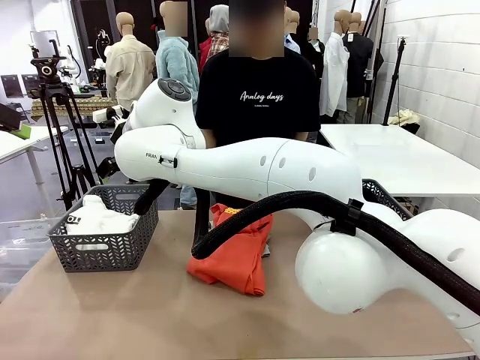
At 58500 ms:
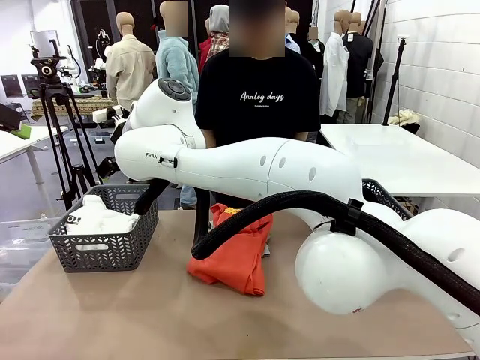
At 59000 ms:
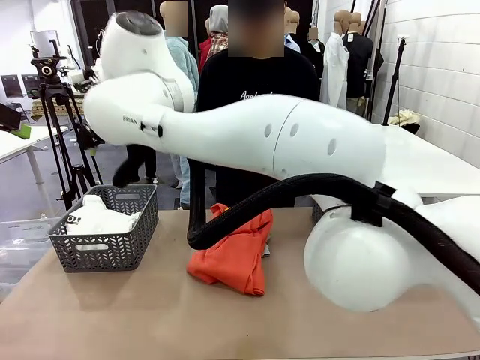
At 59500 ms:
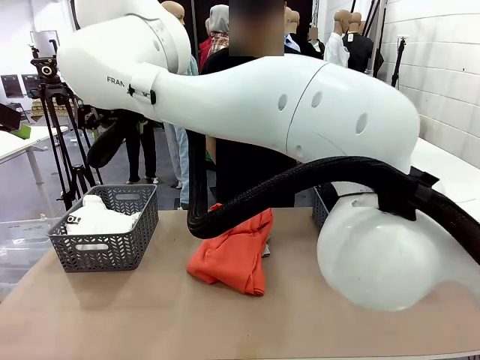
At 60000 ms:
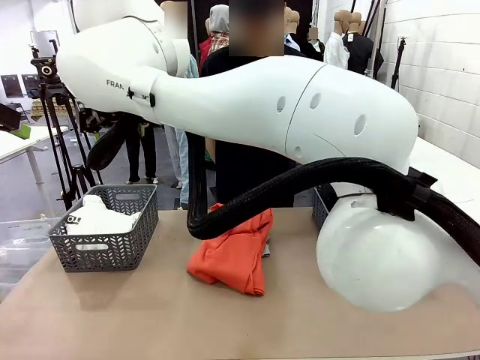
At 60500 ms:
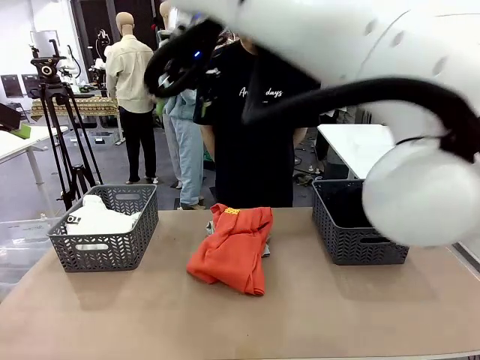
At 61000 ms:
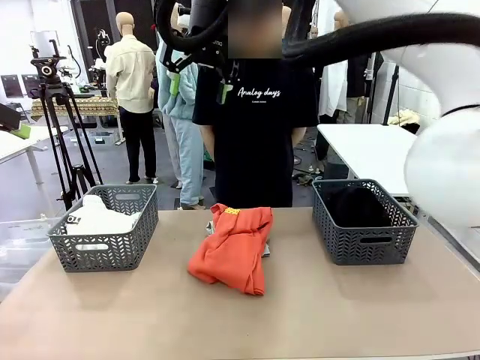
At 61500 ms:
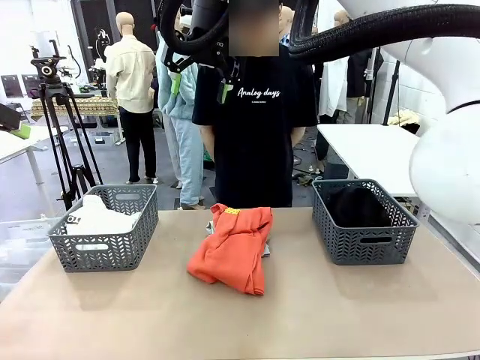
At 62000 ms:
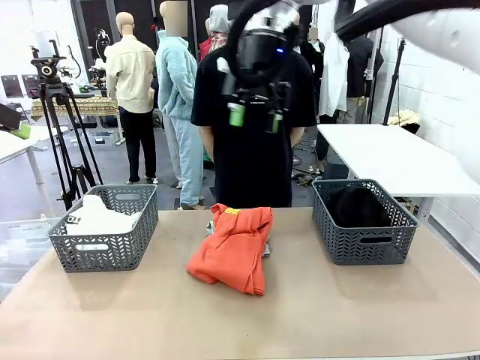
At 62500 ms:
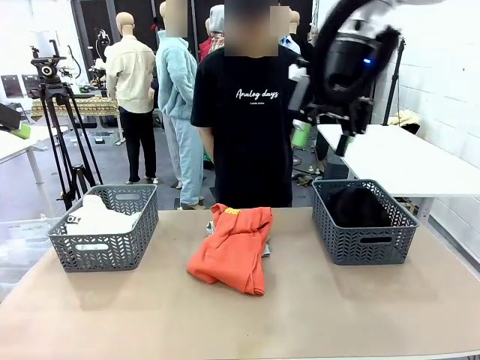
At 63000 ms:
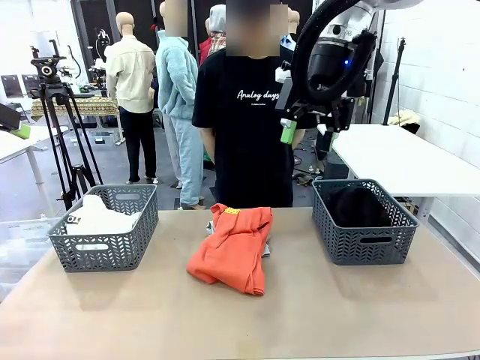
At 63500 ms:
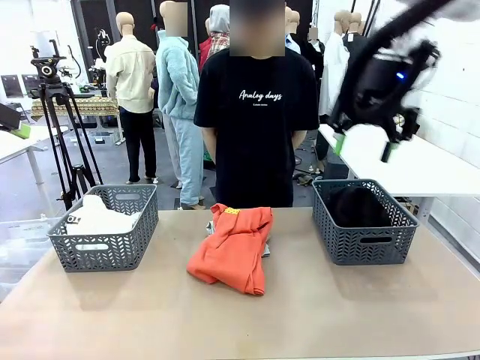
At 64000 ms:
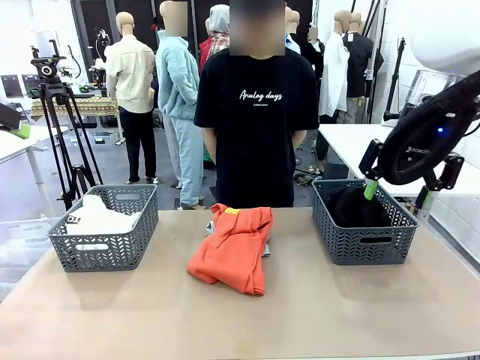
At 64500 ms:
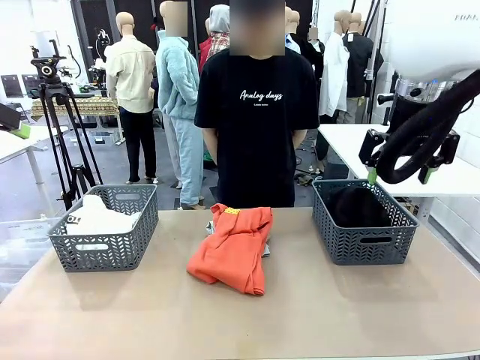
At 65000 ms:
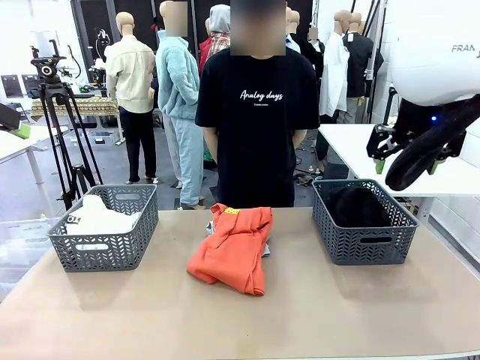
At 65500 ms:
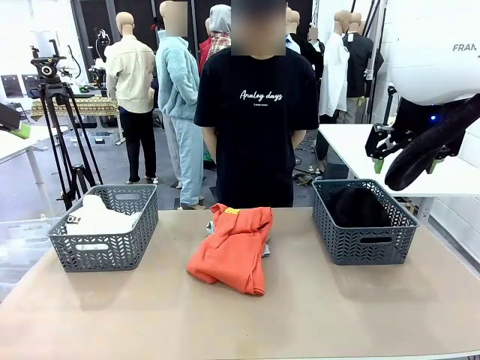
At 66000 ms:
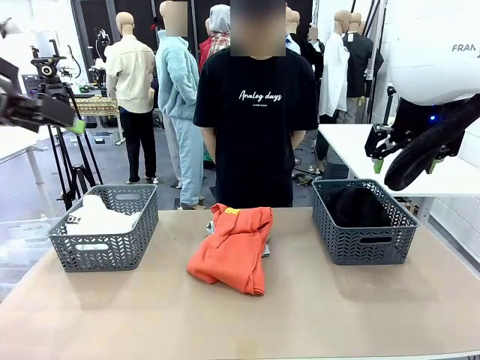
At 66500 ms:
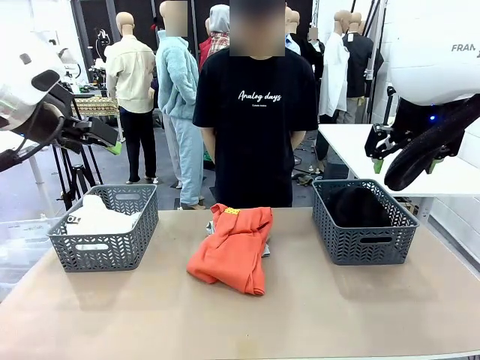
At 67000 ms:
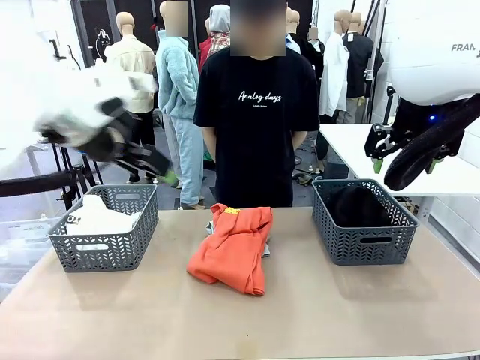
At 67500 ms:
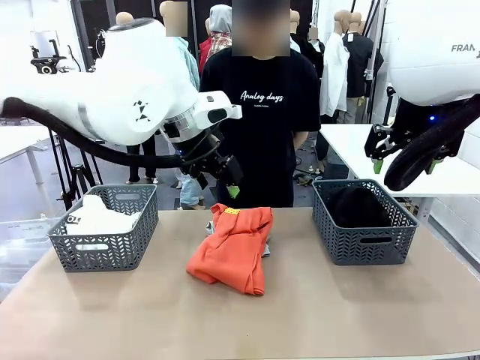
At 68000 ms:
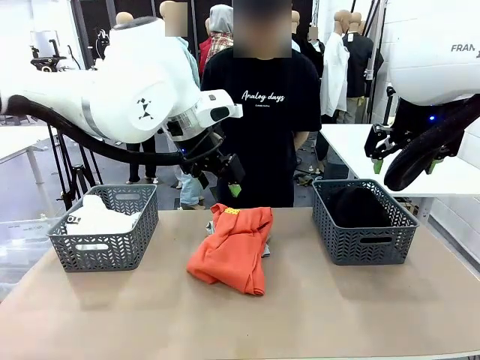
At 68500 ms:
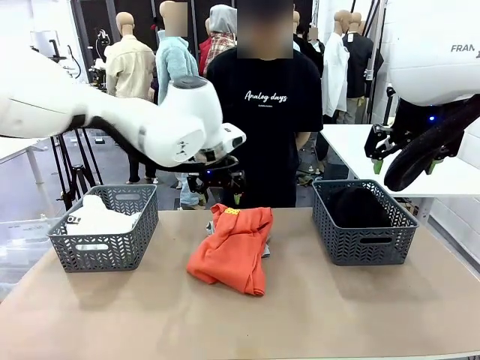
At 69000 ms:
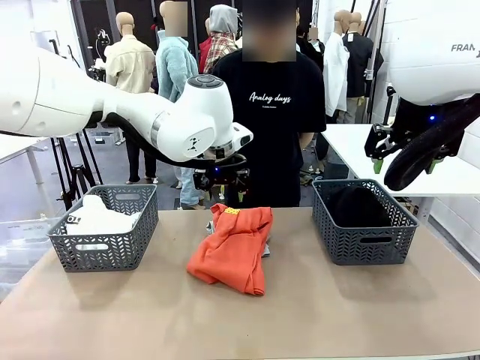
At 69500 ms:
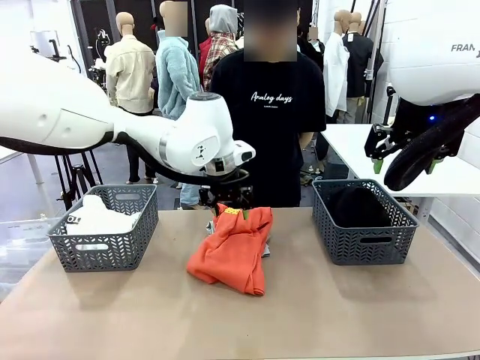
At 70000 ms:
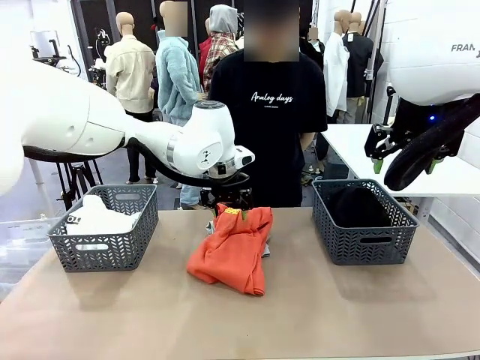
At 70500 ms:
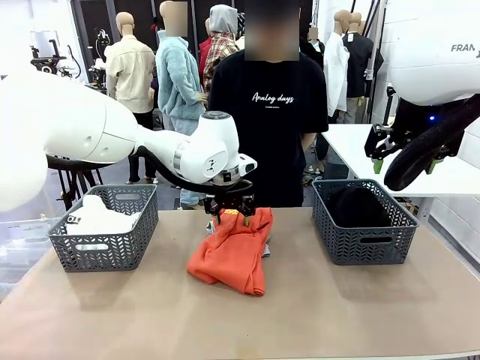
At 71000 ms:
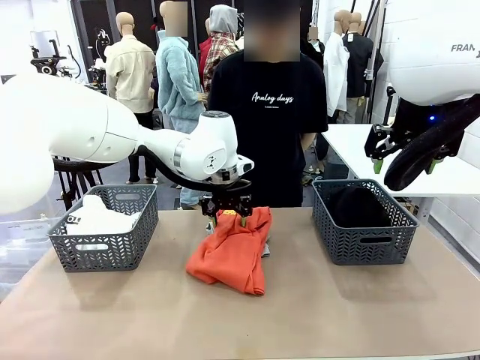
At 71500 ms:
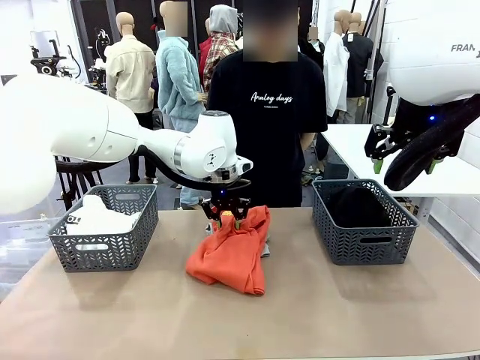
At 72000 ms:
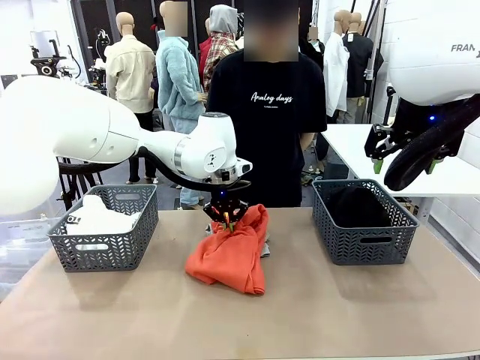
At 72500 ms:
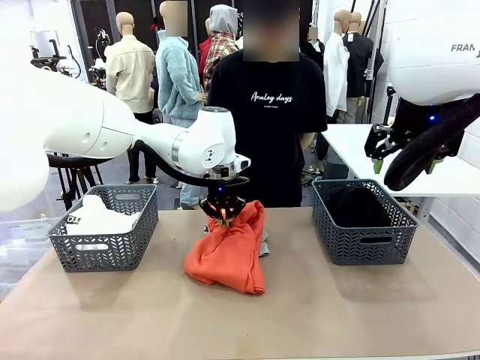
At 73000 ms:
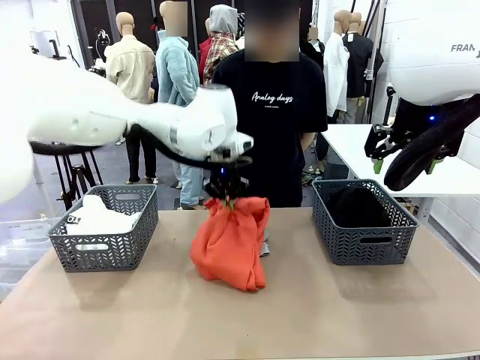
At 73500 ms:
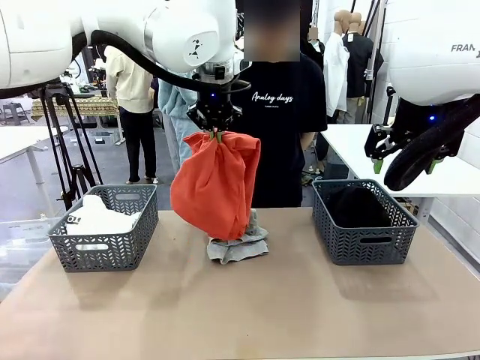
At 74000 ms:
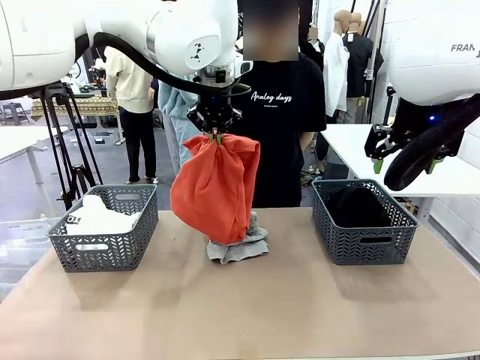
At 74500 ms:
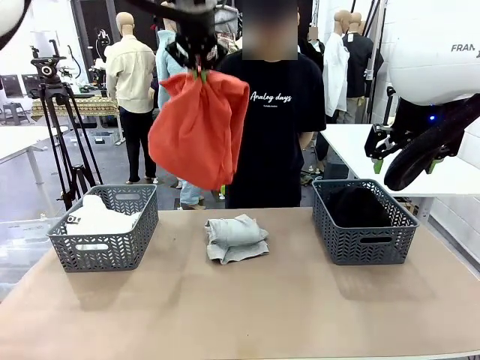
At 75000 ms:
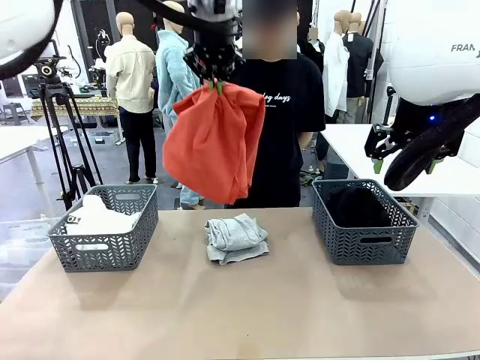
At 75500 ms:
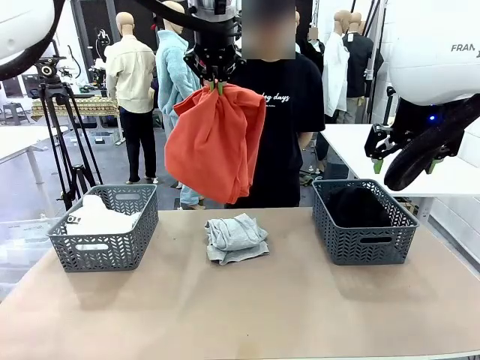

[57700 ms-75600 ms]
Task: Sort the tops and bottoms.
Robot: Lift clothes from the center of the table with your left hand.

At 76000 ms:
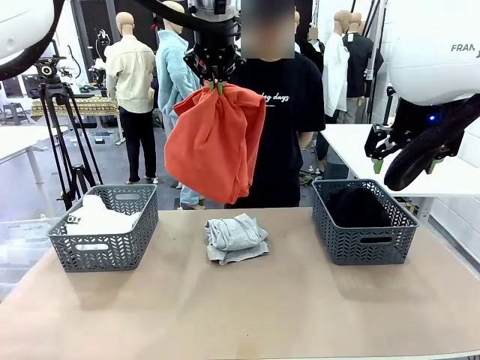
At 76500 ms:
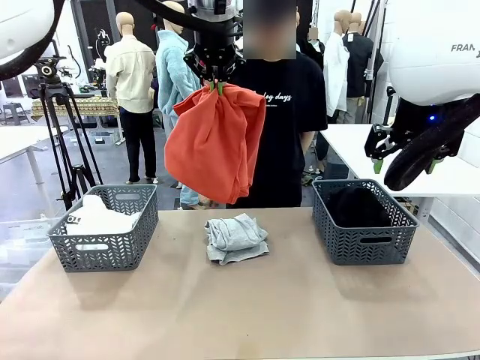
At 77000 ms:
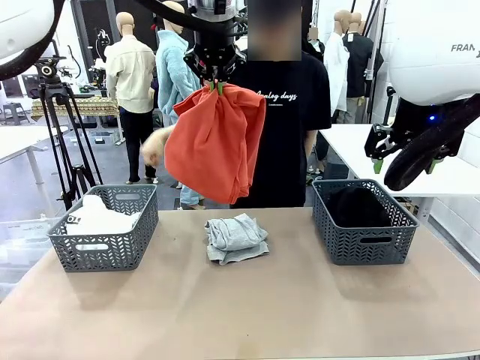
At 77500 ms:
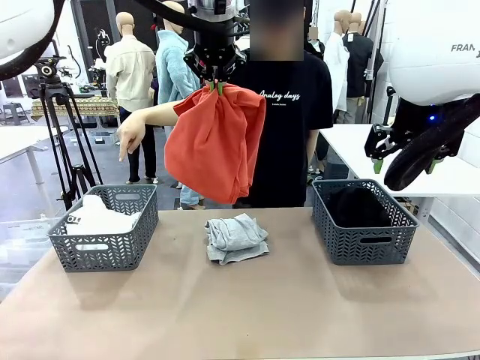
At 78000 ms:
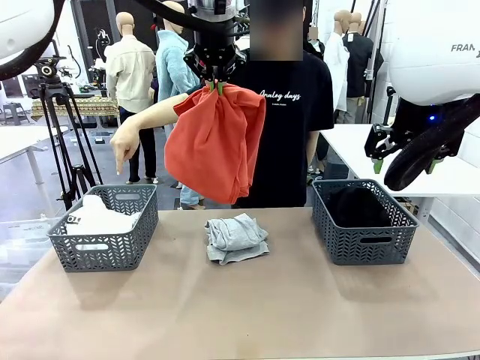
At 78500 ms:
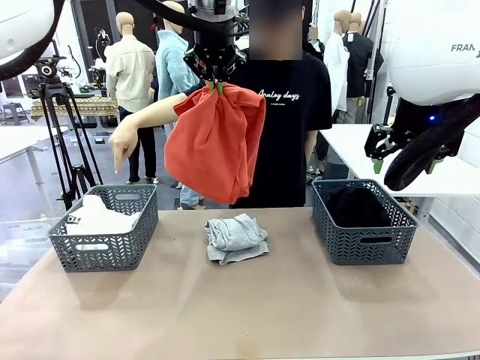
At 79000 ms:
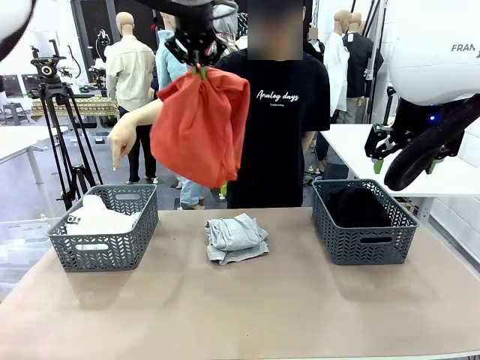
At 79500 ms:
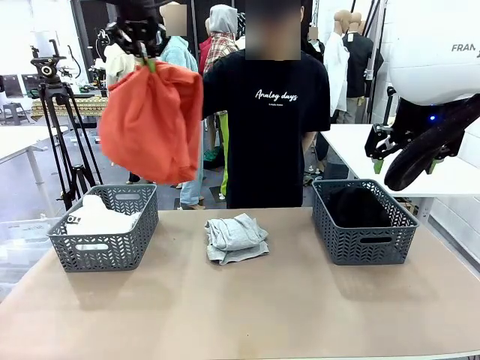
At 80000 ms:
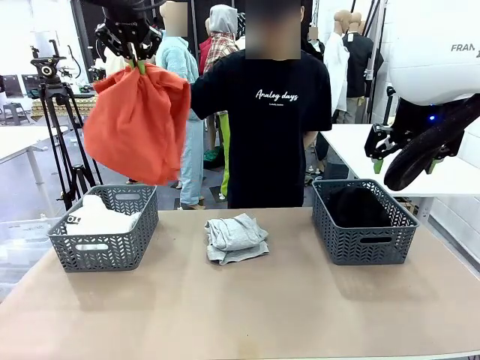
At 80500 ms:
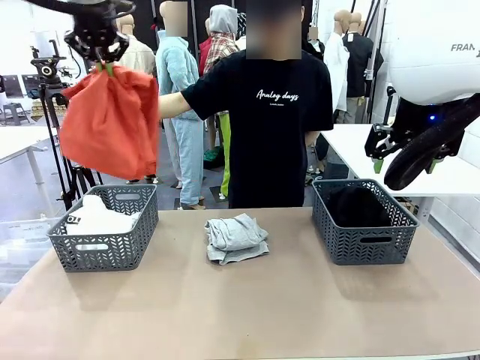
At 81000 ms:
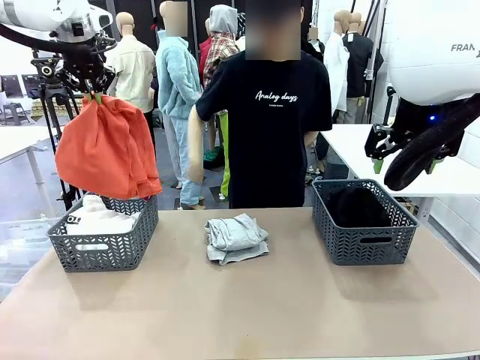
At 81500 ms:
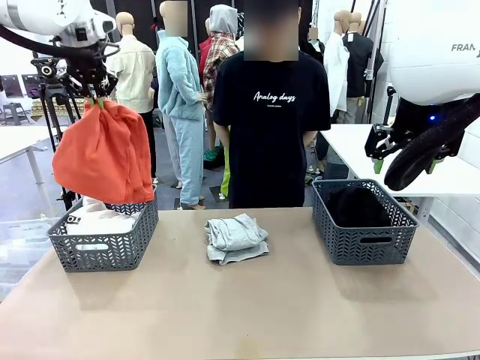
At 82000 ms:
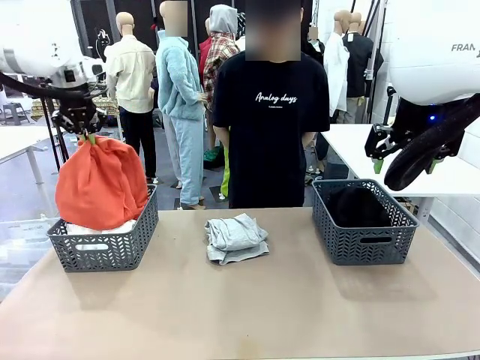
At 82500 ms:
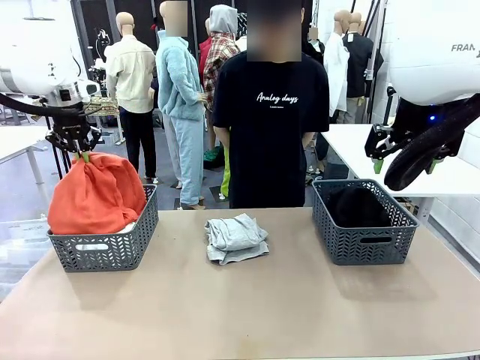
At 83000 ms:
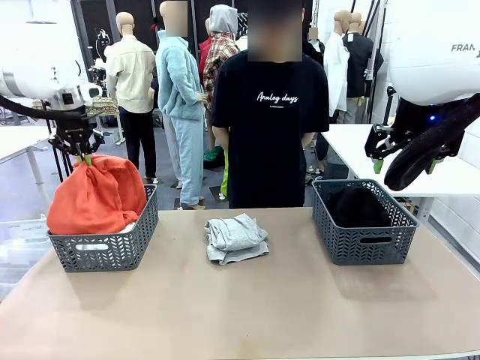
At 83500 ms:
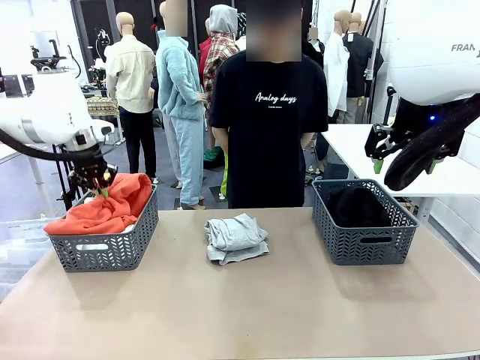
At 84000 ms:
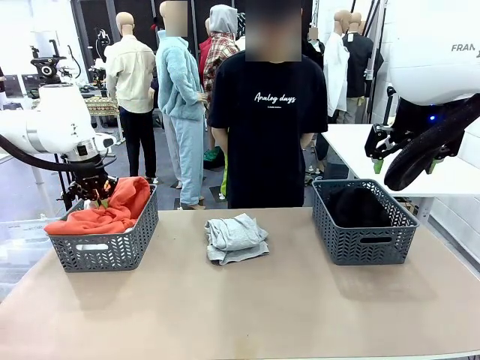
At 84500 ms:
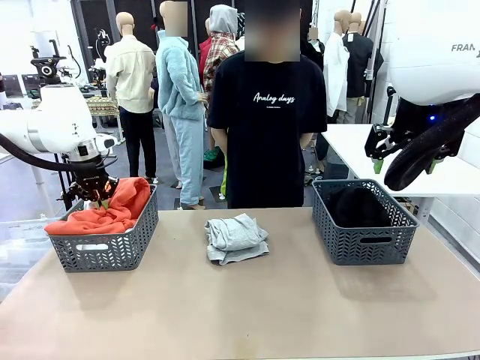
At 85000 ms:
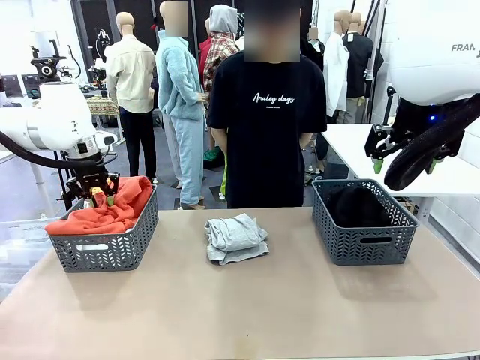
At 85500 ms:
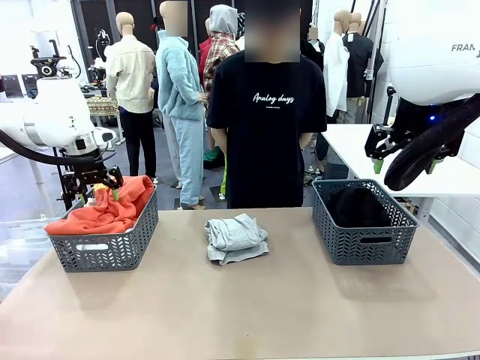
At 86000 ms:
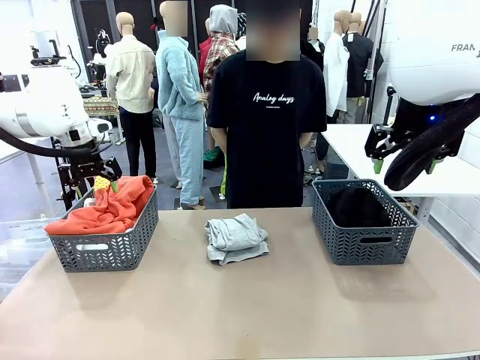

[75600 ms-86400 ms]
Robot: Sort the clothes according to human instructions.
